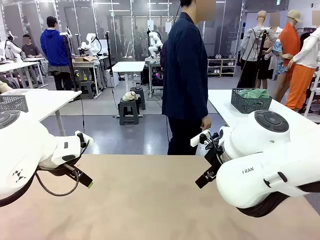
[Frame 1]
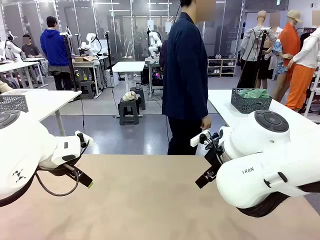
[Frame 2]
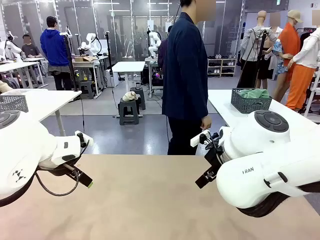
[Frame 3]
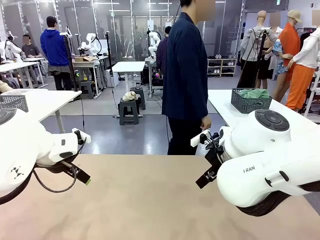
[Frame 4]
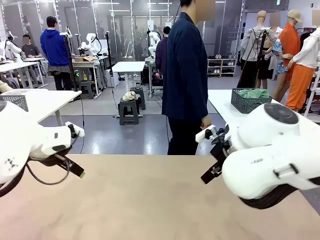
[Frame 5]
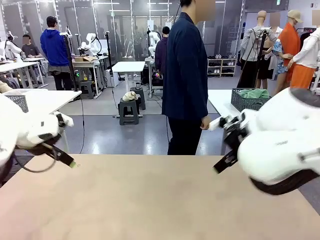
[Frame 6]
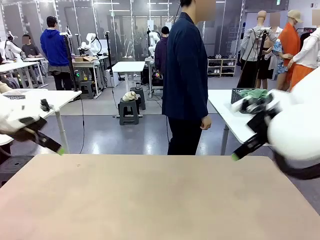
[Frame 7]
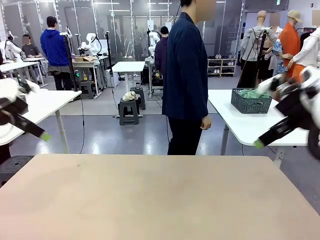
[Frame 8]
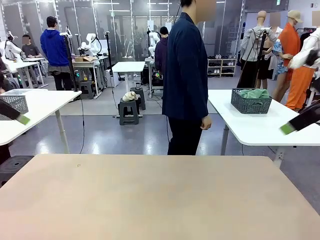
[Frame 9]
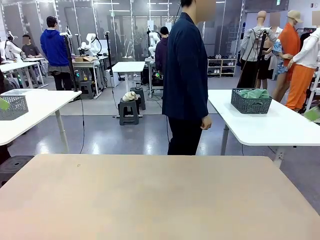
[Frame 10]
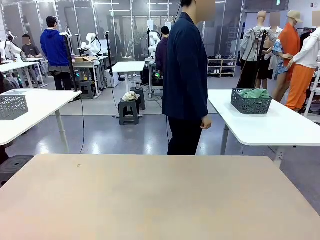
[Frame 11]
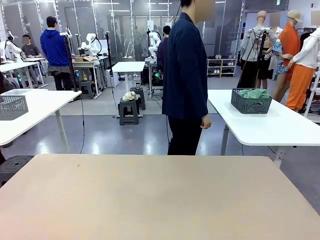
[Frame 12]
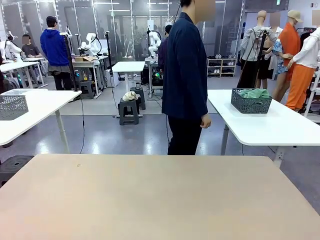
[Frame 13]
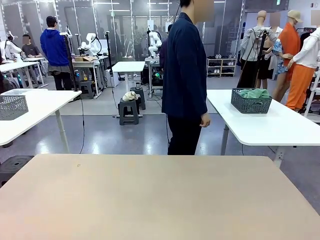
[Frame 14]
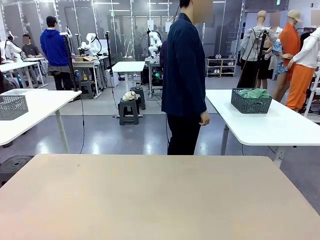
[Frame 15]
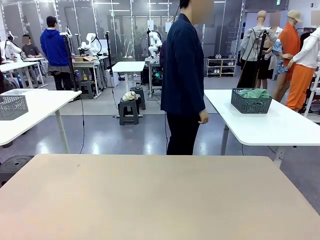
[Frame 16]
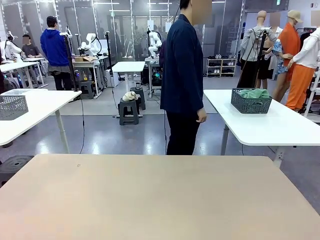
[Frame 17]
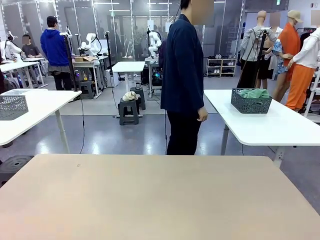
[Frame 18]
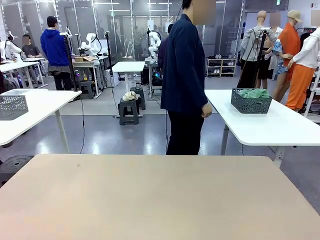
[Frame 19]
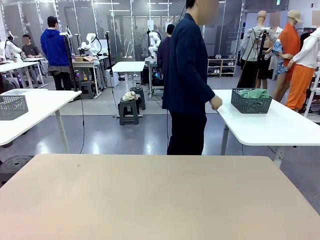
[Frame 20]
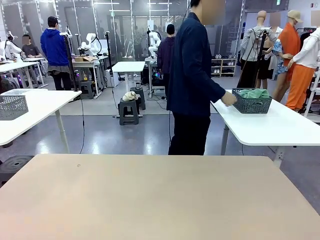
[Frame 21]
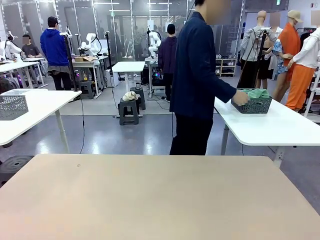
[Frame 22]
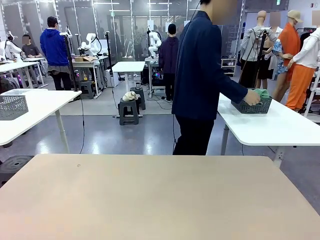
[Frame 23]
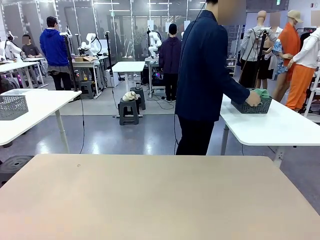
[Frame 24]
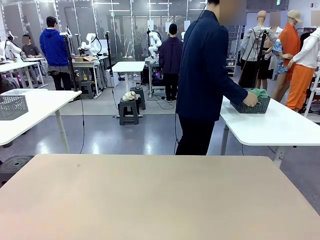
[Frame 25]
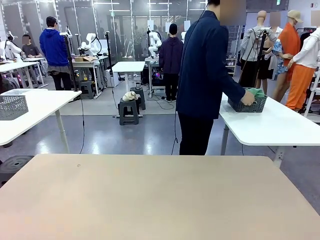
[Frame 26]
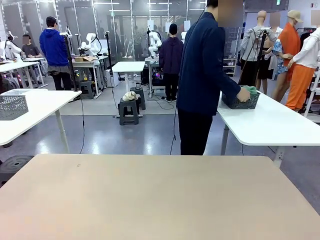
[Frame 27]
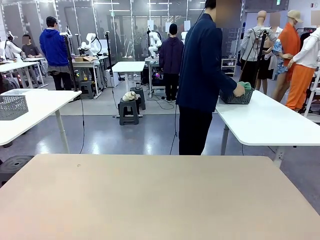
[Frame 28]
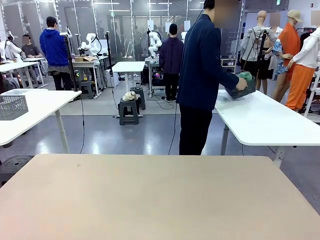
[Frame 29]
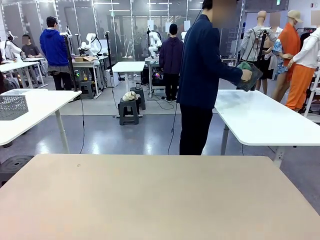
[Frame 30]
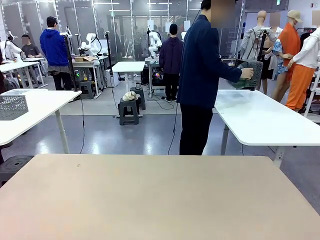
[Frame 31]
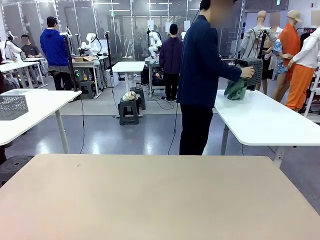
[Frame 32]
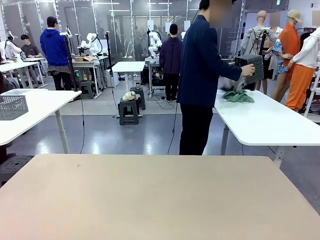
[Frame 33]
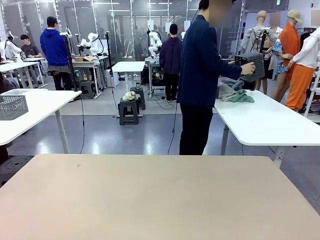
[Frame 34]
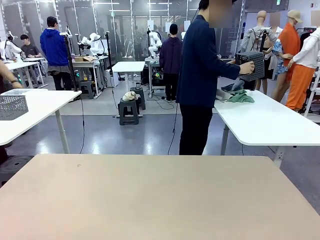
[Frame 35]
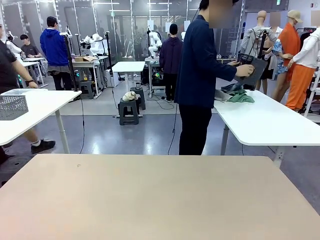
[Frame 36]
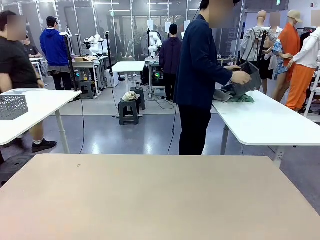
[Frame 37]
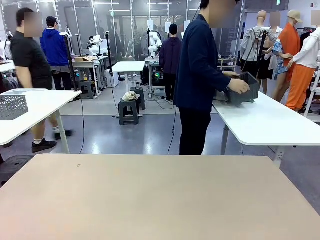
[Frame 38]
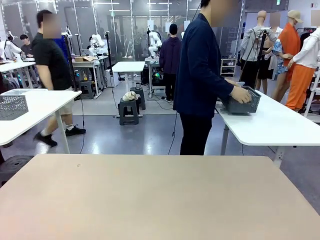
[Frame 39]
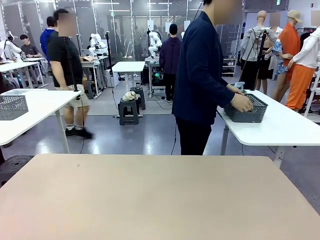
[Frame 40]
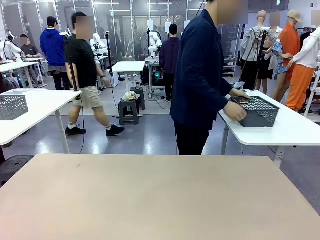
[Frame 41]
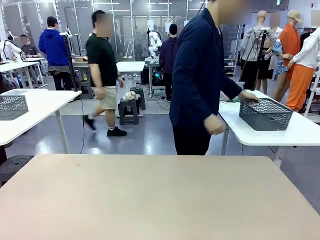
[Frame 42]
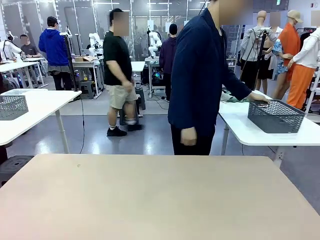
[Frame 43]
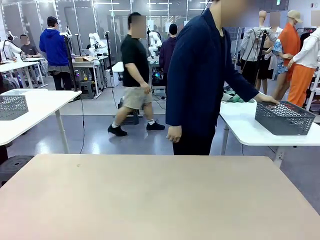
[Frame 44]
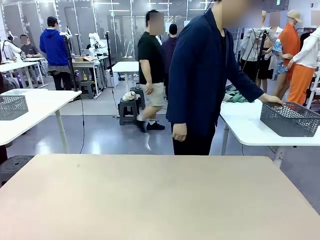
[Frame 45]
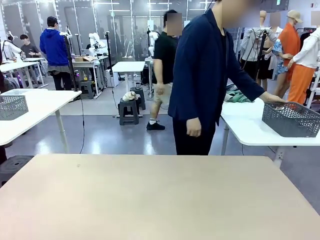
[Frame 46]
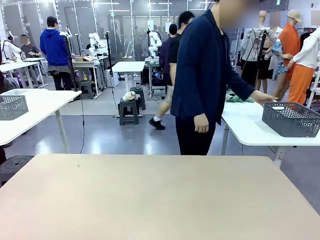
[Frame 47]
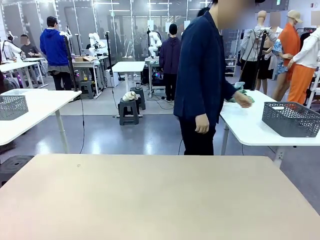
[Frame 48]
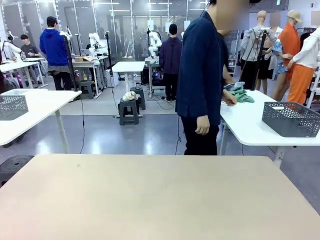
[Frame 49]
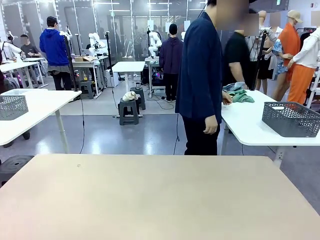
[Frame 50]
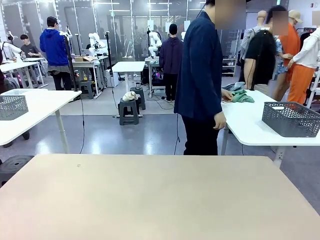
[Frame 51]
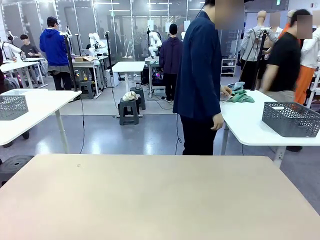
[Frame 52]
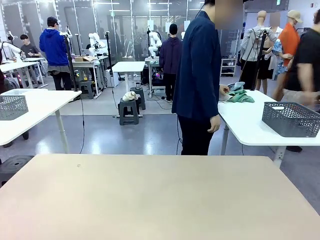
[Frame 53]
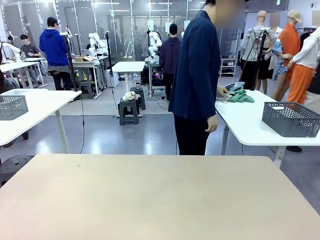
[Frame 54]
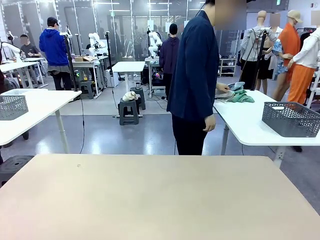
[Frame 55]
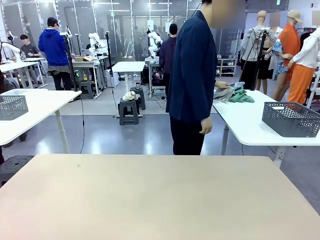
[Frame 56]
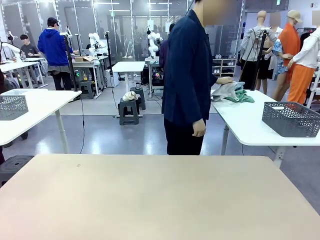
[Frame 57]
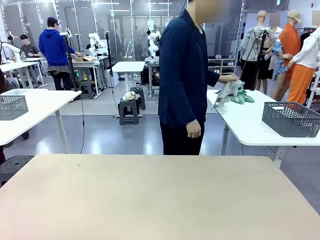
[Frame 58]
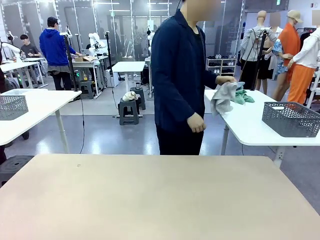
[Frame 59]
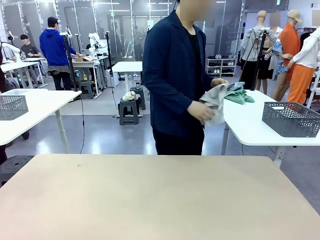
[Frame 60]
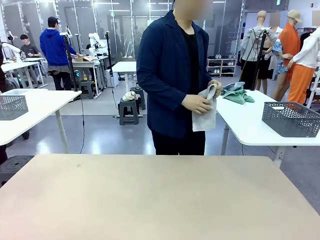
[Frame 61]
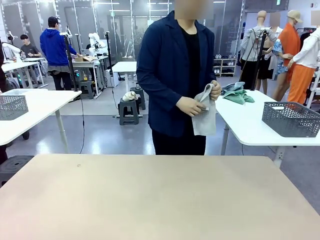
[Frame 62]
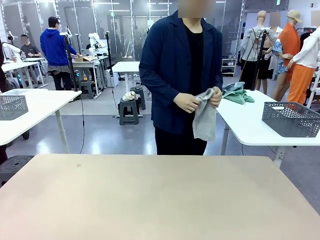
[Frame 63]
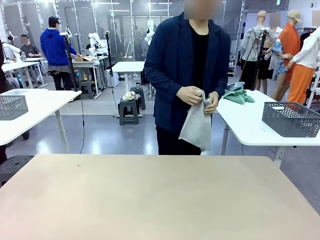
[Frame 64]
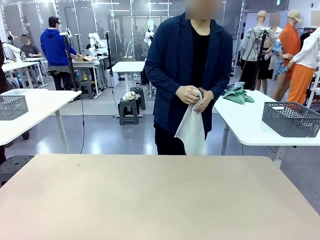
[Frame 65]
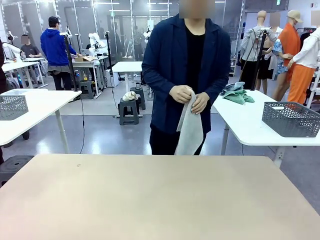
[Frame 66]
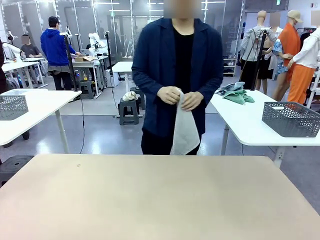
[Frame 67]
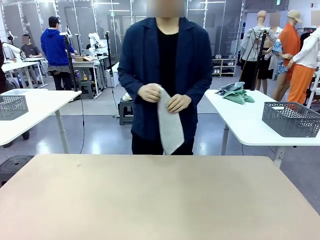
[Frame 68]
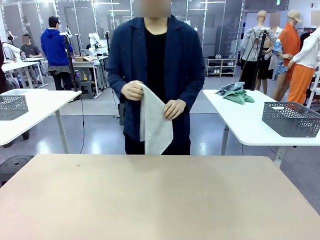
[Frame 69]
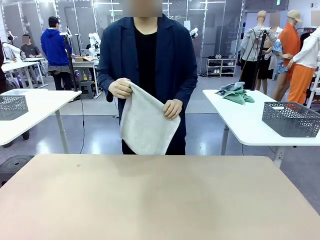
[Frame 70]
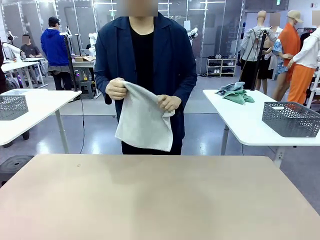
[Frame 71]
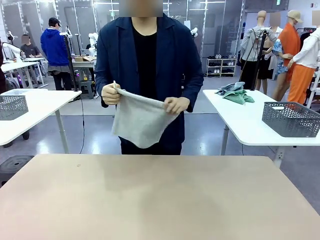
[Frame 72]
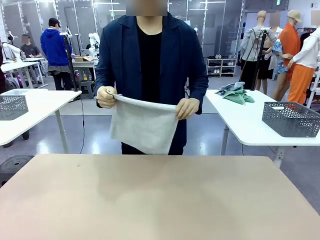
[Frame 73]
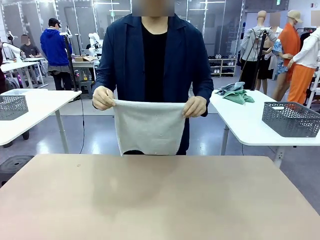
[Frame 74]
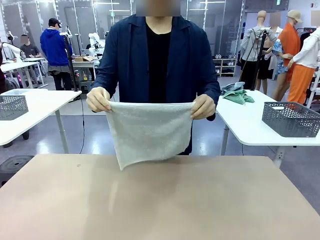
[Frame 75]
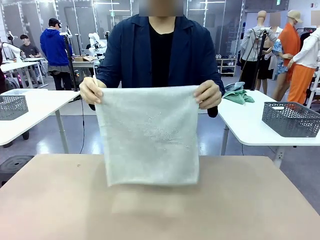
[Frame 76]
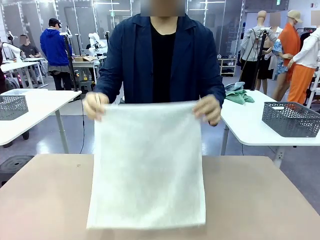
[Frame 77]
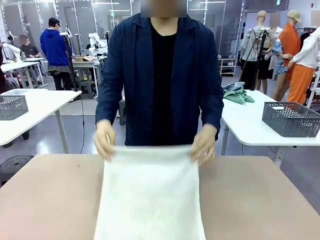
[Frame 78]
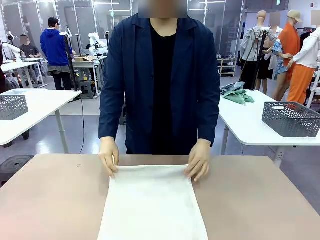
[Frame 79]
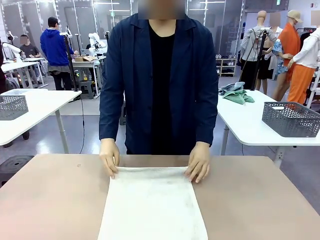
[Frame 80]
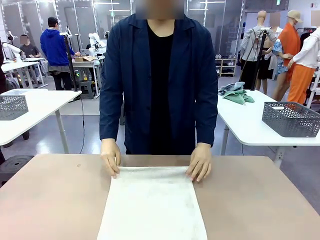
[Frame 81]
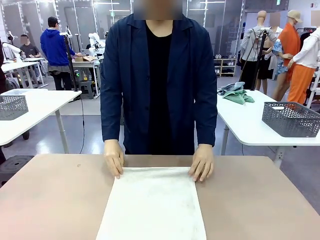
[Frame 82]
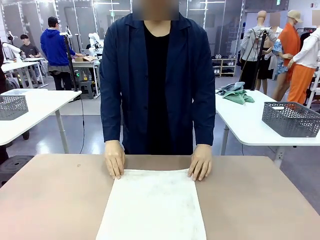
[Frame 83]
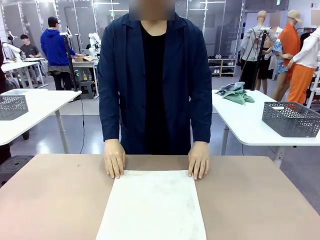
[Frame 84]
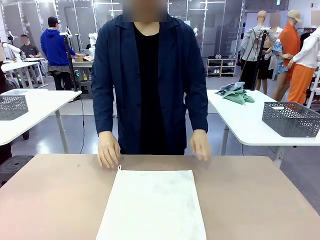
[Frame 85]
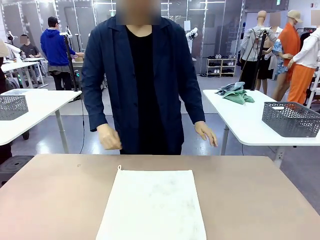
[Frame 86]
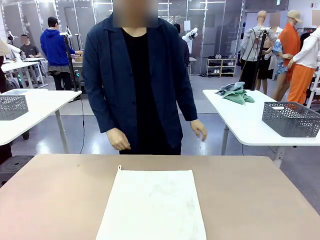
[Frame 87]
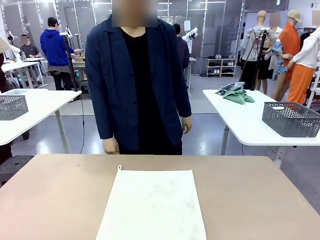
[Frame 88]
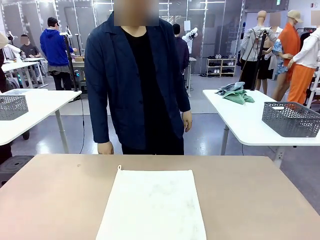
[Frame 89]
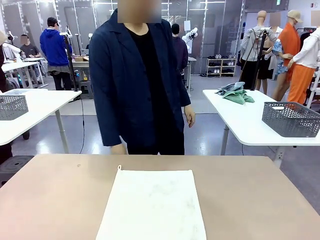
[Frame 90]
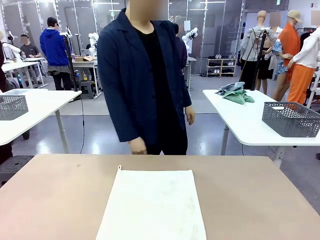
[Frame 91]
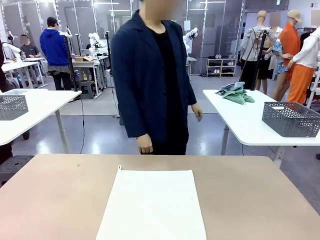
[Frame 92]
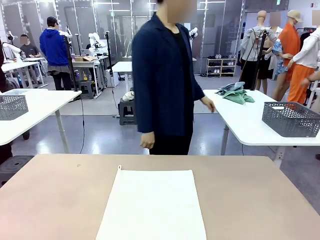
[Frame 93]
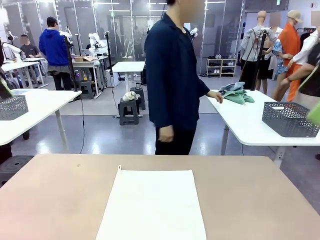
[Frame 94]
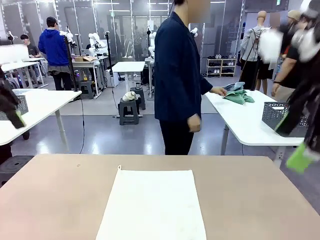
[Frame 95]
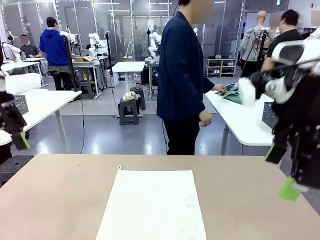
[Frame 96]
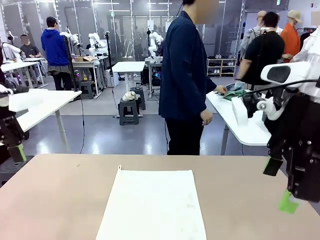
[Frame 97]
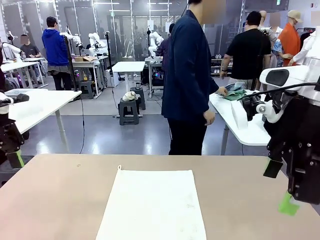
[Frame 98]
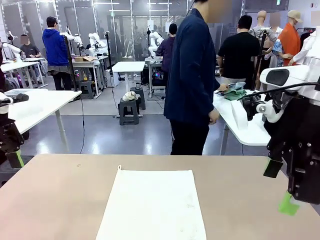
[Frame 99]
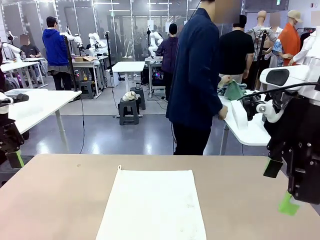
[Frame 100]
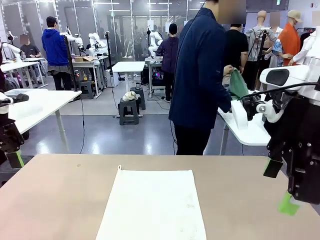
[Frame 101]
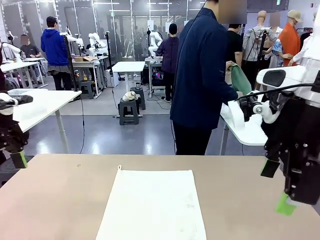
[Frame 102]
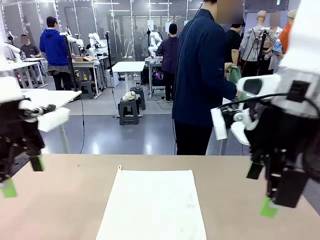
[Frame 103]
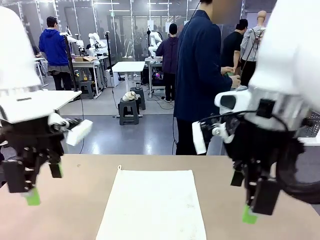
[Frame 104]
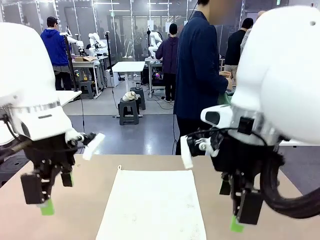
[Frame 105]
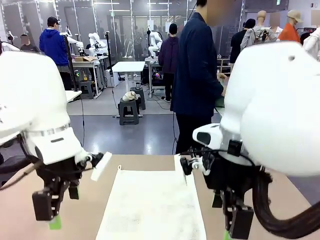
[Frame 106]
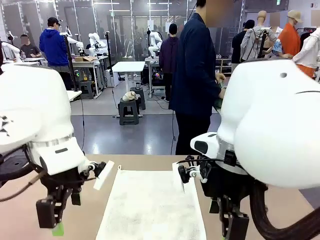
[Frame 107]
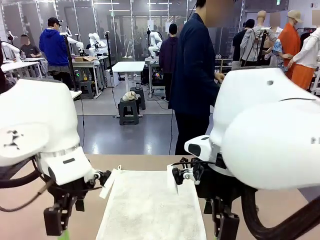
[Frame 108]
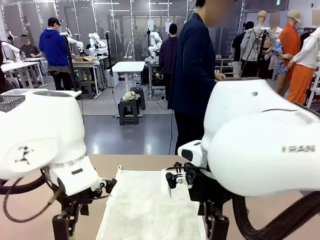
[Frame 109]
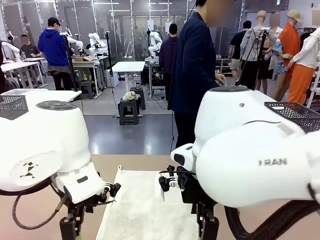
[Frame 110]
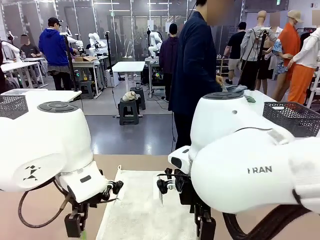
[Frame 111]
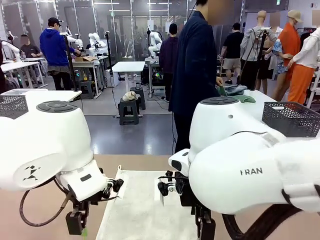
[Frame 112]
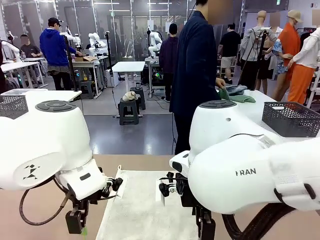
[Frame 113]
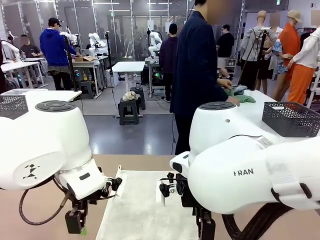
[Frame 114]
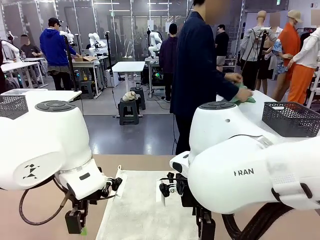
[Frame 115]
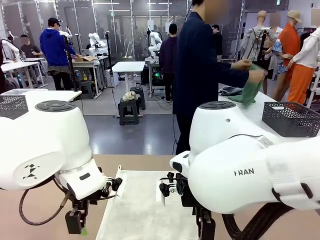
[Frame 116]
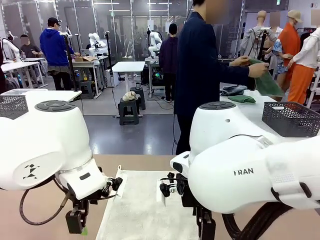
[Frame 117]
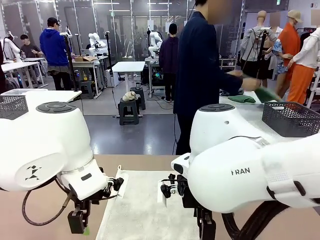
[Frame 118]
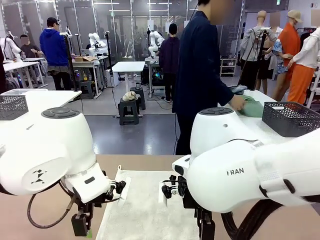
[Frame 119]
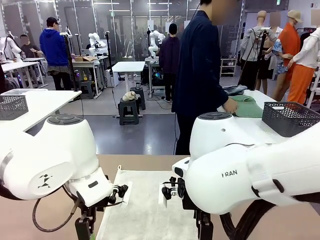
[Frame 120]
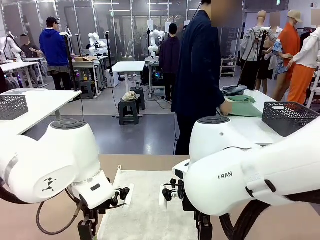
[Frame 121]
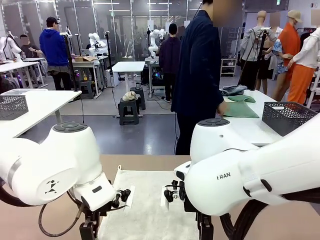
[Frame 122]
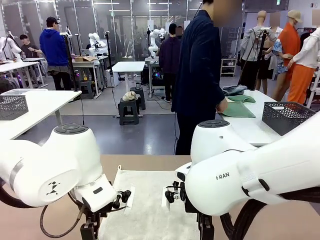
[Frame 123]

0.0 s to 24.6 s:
Task: Fold the towels and place them in the basket.
Robot: When a person lays out a Towel with hook on the table, fold it in half twice.
Person: Pick up the basket, pour the towels onto the left side of the human table, and place the basket on the right side. Pick up one towel and spread it out at the center of the robot table.
